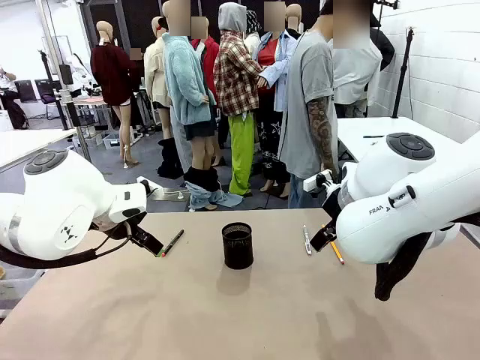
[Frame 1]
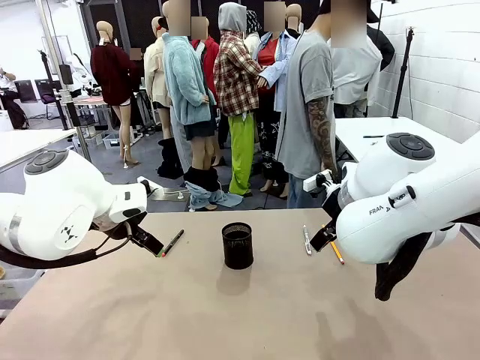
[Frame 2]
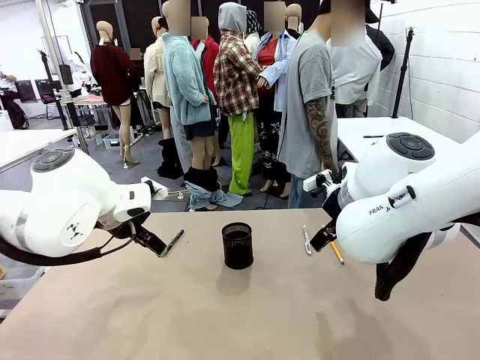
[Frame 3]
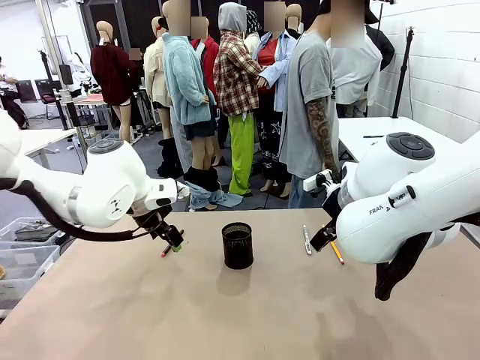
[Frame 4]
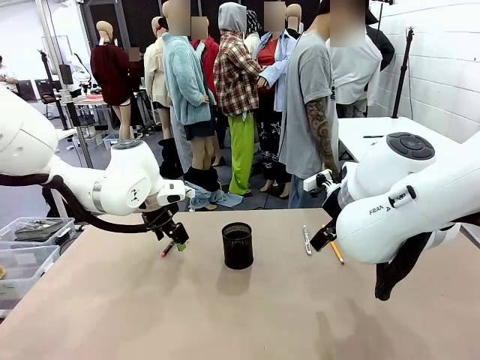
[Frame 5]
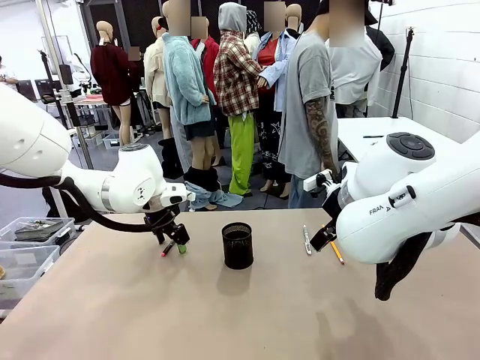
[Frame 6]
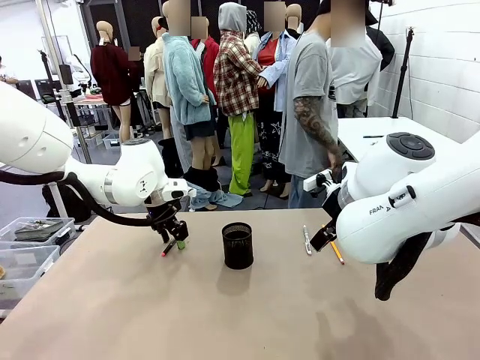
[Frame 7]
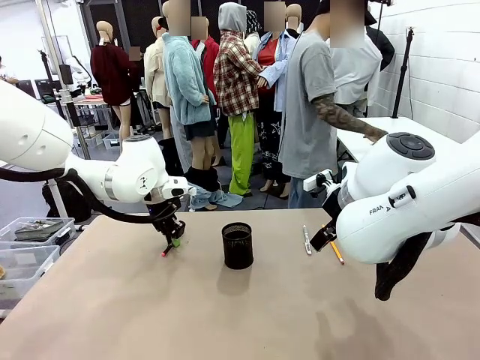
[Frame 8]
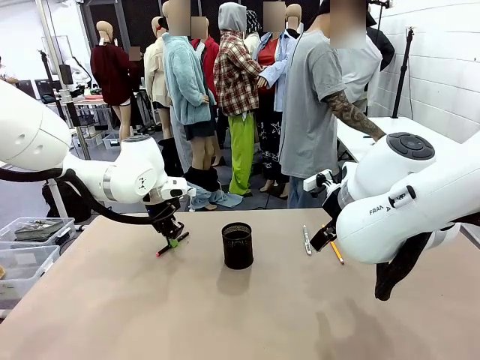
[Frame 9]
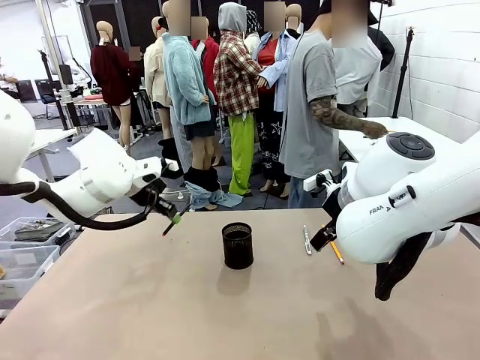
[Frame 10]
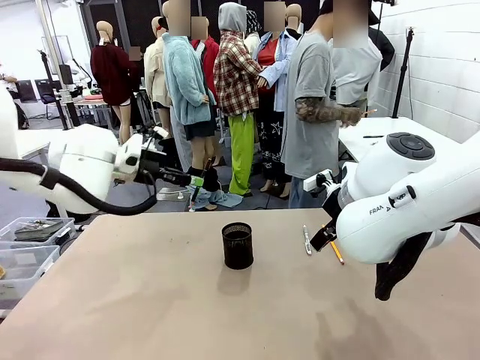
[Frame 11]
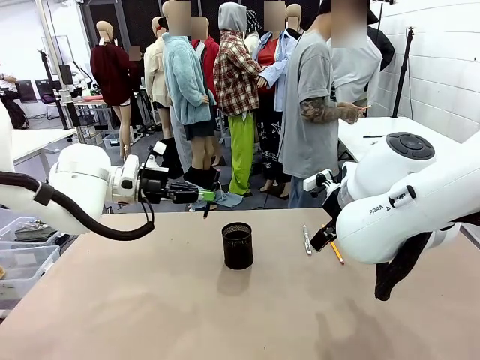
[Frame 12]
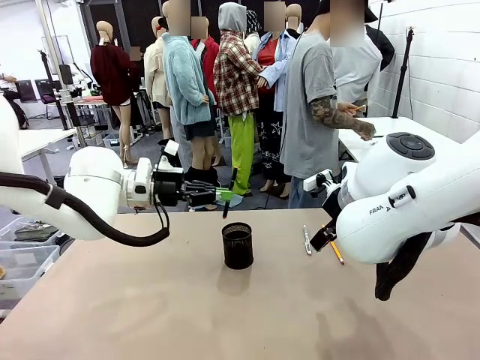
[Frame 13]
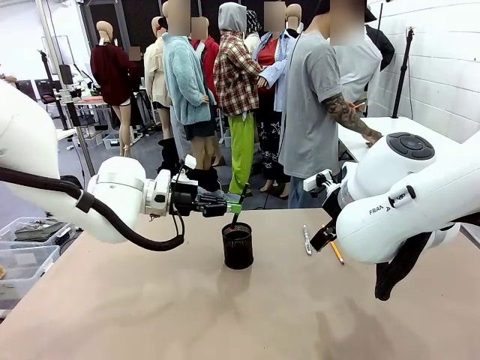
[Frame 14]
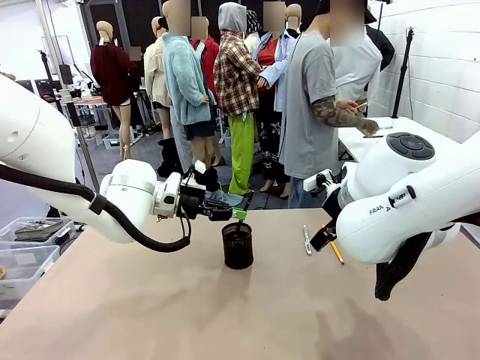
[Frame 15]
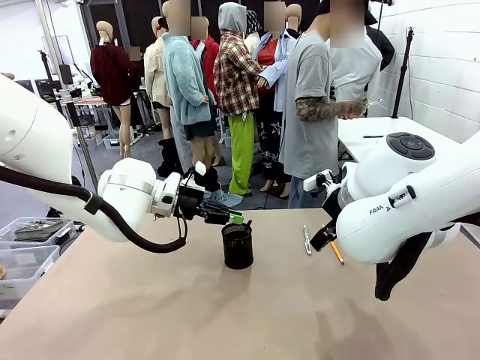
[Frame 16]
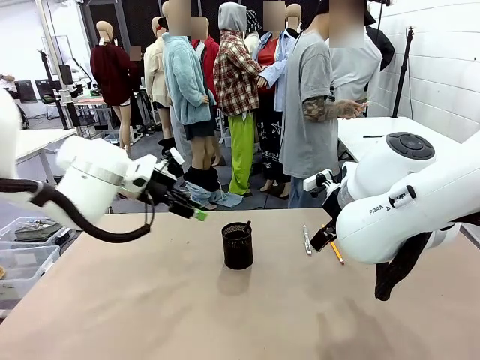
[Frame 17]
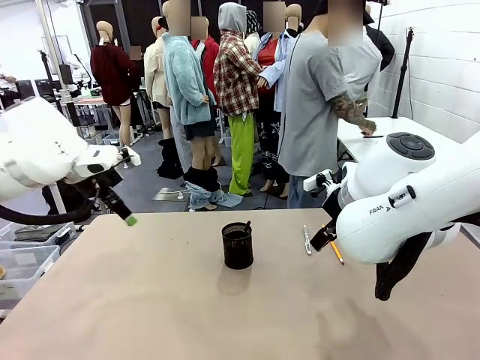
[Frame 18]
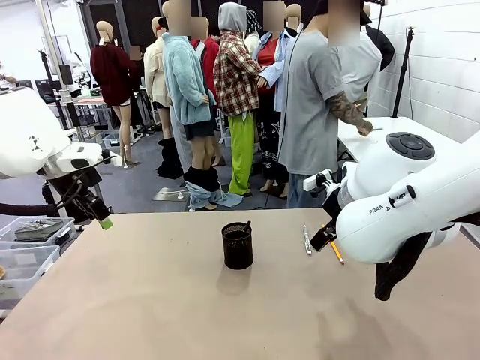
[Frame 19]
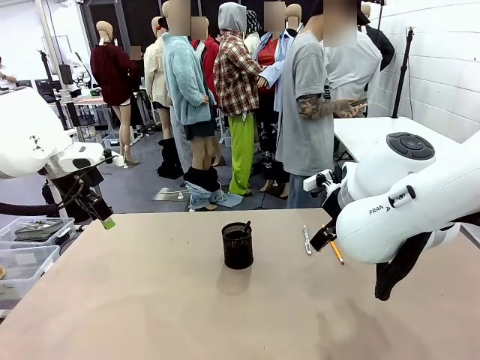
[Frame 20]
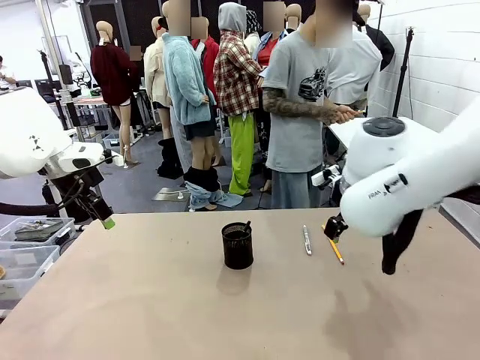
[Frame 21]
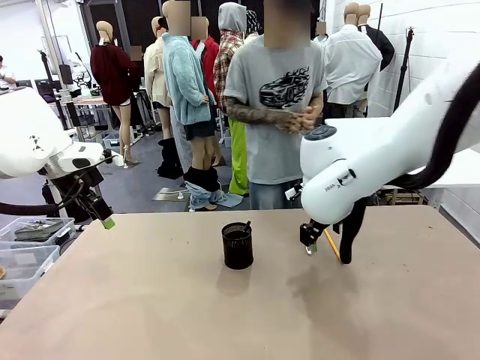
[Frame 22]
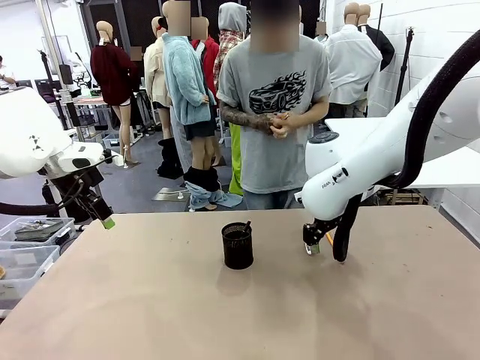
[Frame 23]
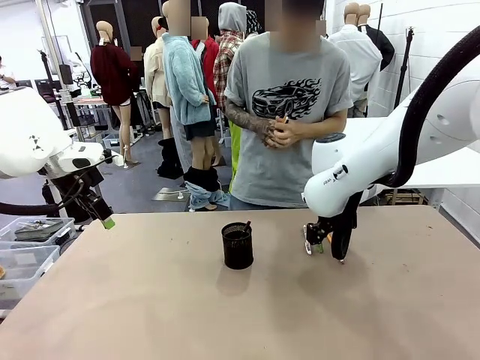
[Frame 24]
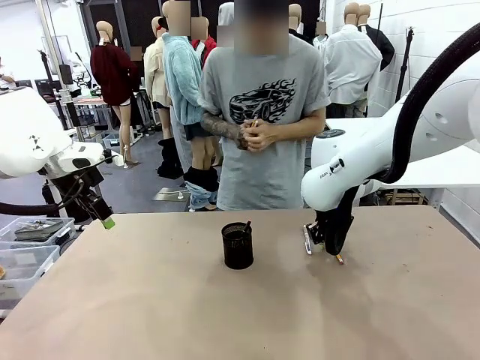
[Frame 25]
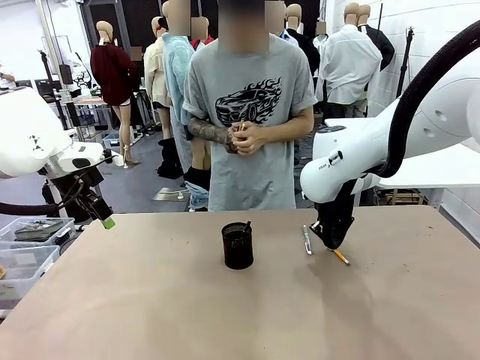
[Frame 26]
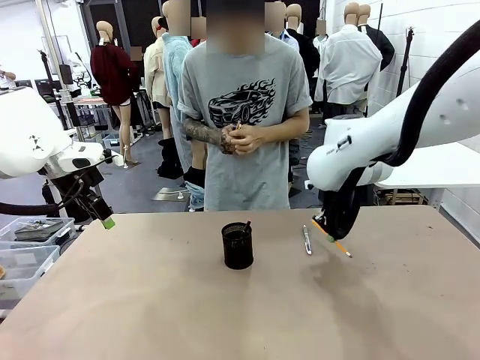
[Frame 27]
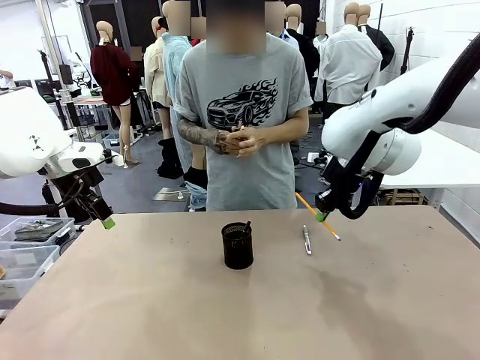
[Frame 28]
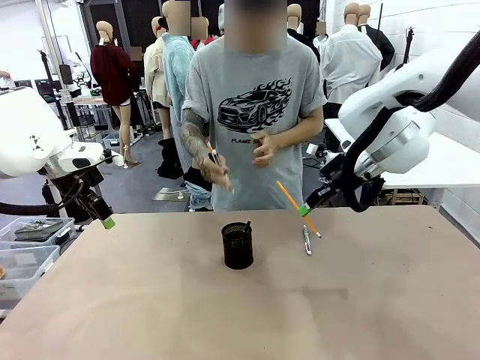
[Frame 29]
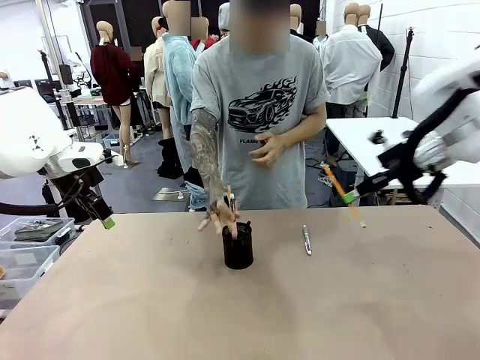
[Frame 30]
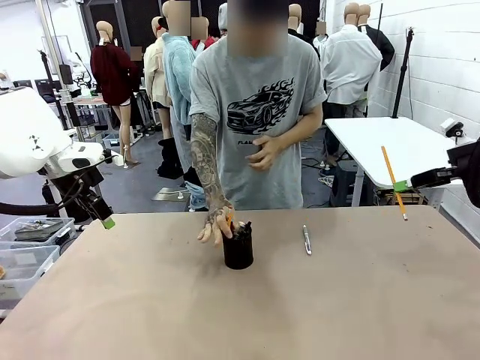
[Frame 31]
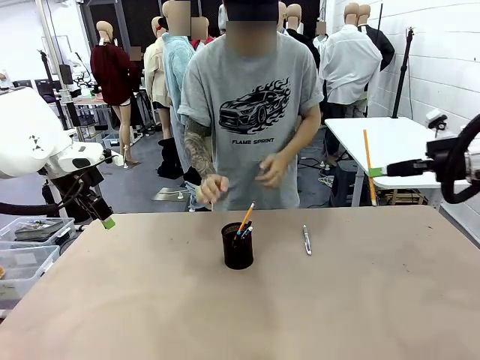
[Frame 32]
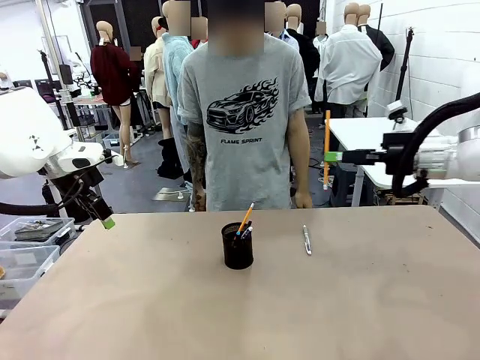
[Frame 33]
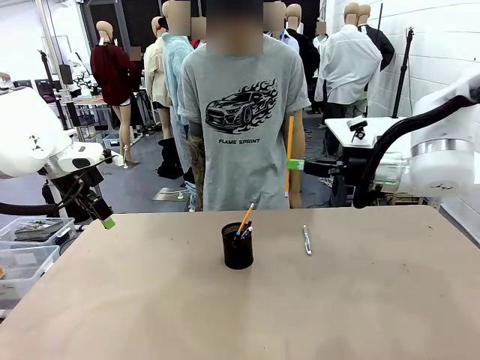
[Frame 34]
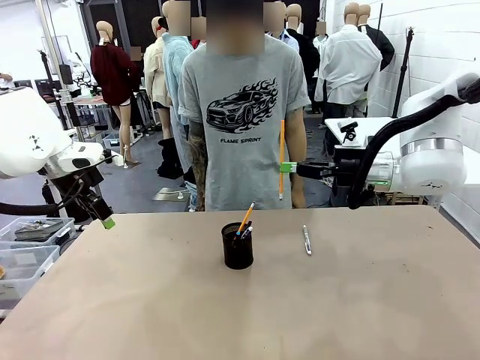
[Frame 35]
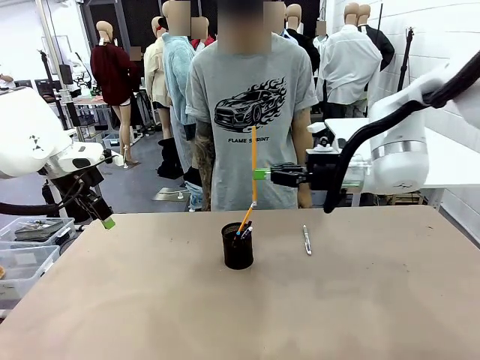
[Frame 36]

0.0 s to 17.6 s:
Task: Place the pens into the pen holder.
Robot: Pick up a writing instrument from the table and place it into the Pen holder.
Person: Pick up all writing instruments from the Human table.

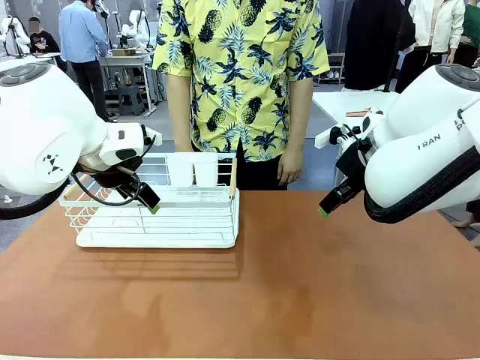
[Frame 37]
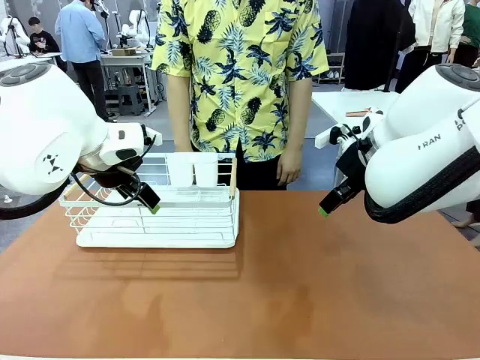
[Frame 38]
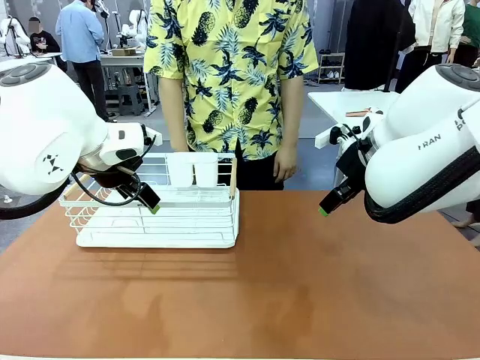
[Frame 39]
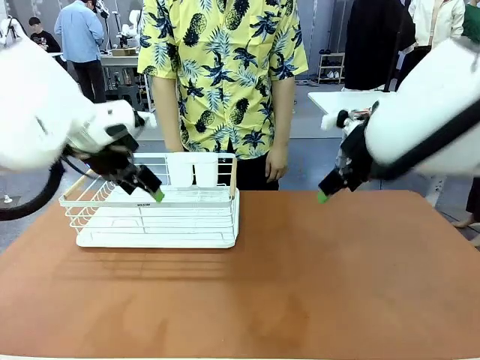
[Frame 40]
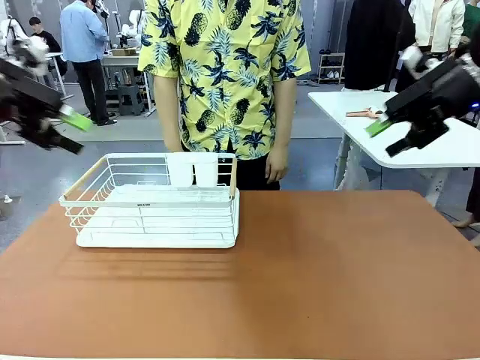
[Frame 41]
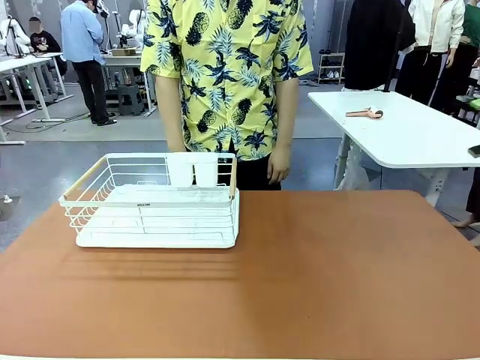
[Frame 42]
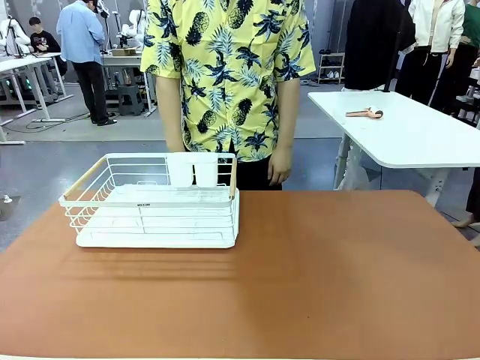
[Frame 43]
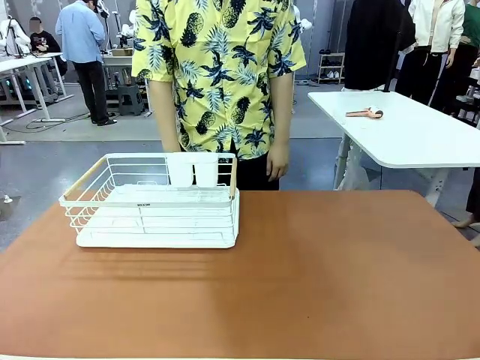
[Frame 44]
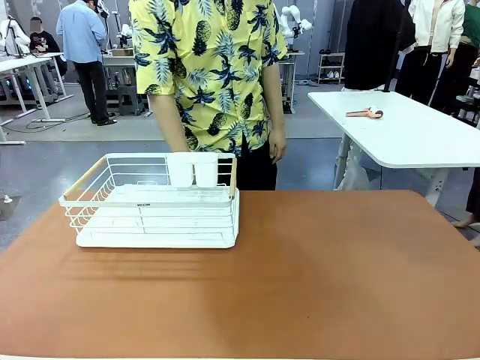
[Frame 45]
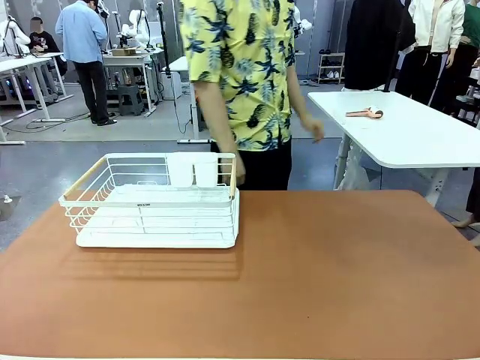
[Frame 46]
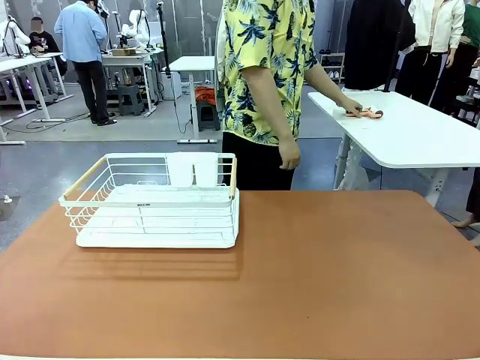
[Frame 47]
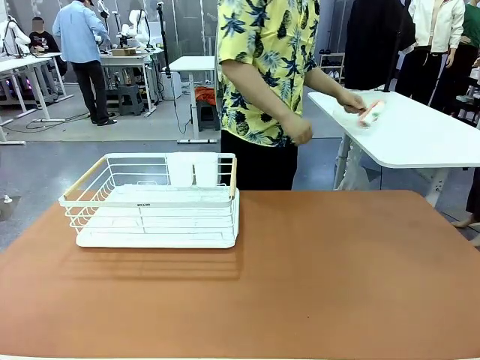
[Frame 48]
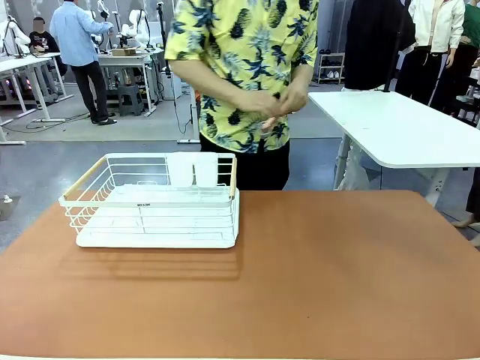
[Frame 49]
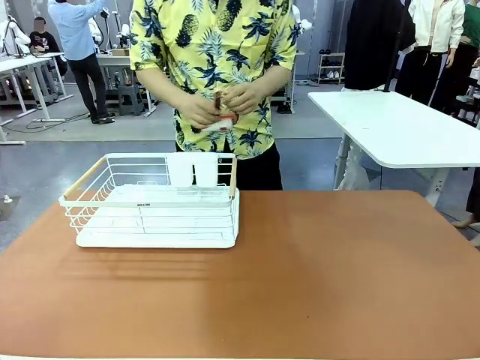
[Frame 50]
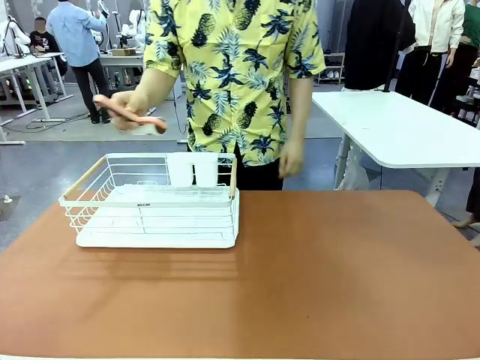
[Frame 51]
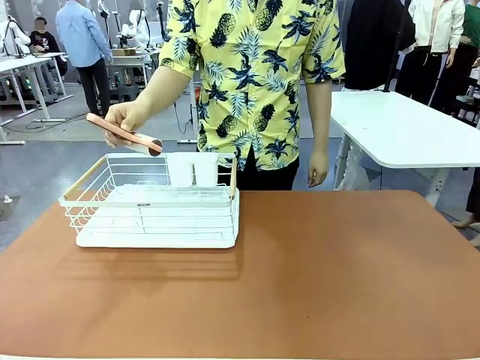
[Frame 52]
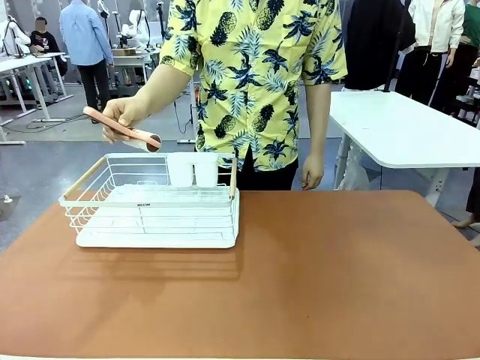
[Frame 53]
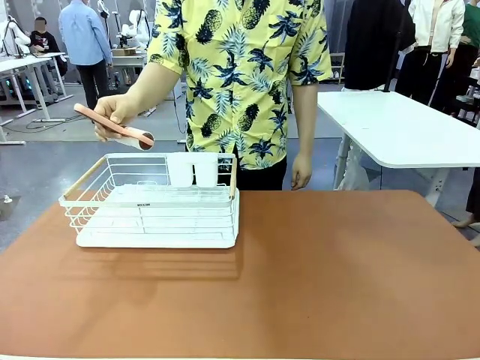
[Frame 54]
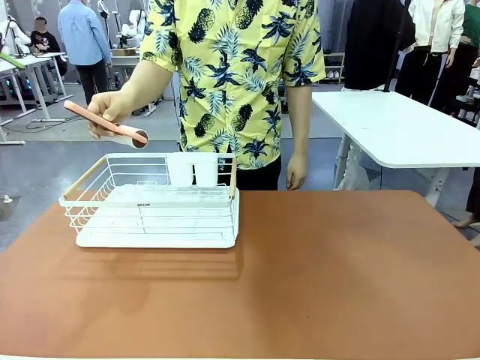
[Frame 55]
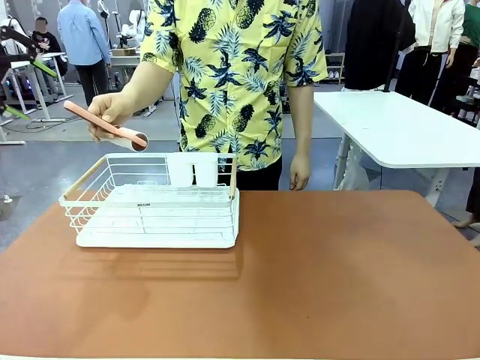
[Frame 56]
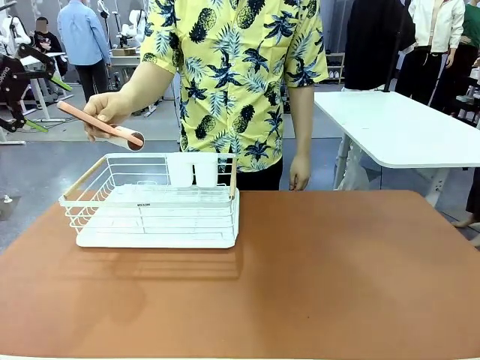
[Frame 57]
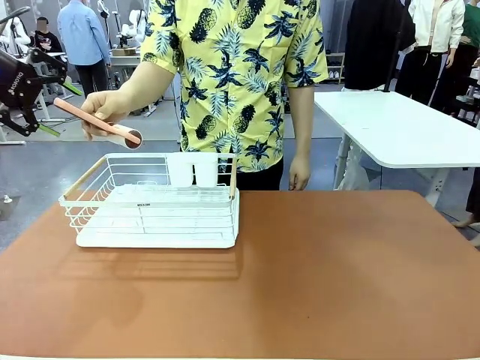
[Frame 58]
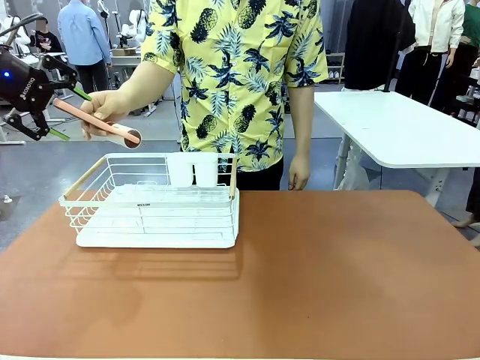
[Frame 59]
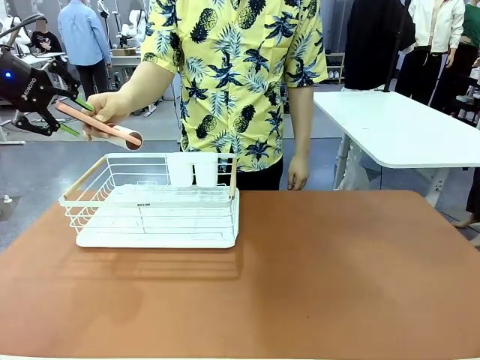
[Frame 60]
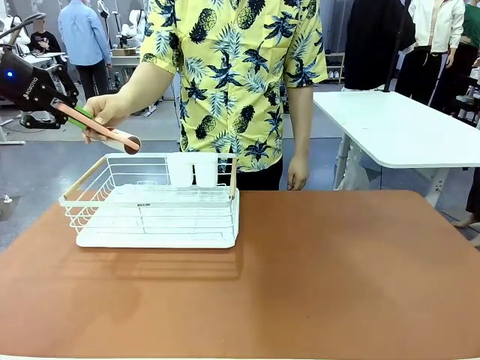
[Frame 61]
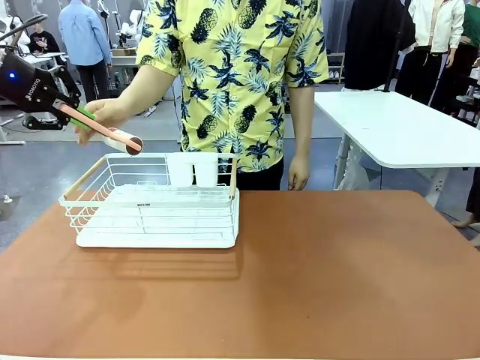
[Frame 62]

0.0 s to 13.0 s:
Task: Clean the table.
Robot: Pick up the Lint Roller when the human hands it over.
Person: Hand the Lint Roller to the robot so it can easily pick it up. Lift the Dish drying rack.
